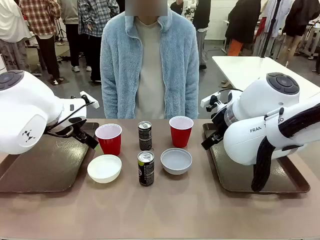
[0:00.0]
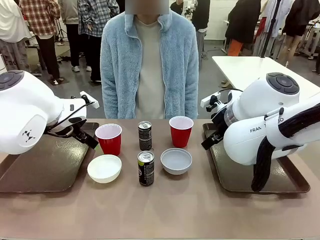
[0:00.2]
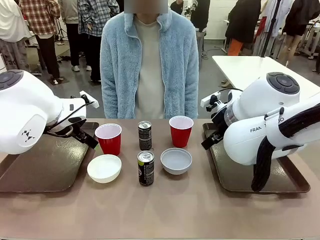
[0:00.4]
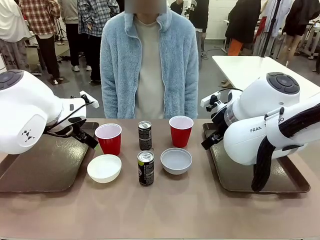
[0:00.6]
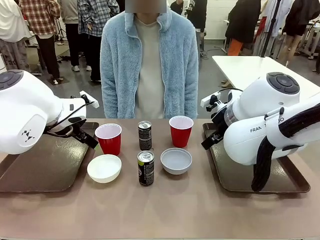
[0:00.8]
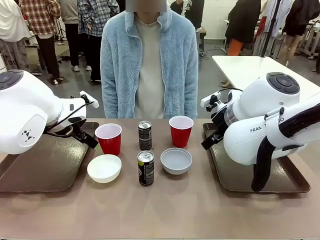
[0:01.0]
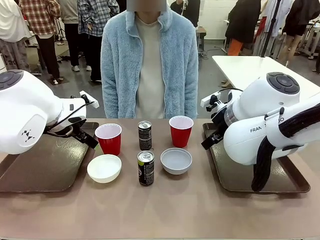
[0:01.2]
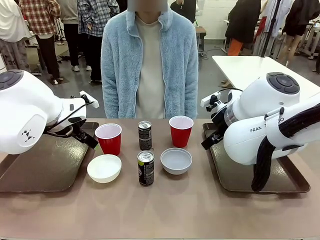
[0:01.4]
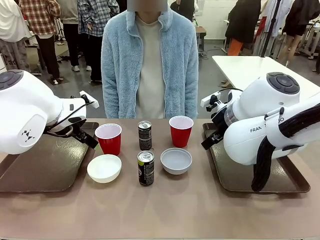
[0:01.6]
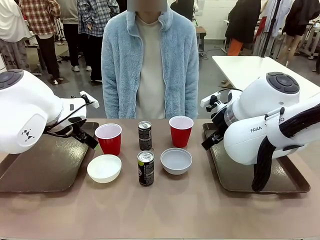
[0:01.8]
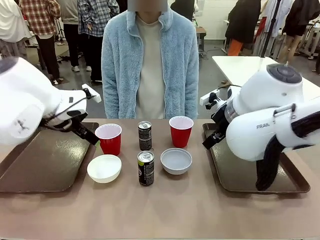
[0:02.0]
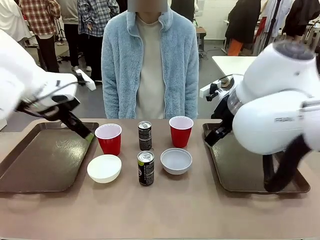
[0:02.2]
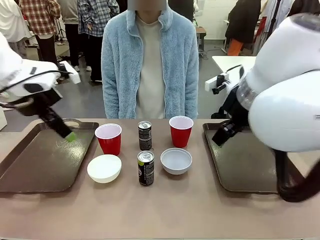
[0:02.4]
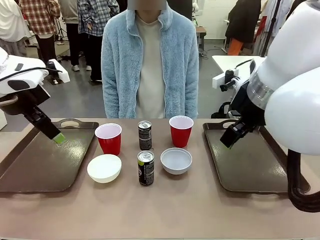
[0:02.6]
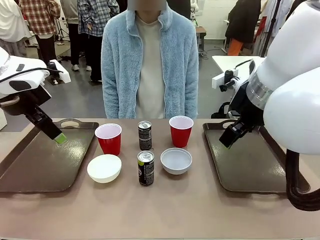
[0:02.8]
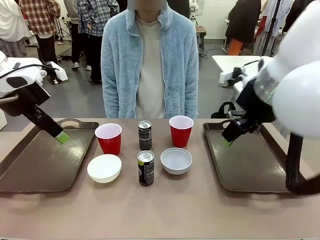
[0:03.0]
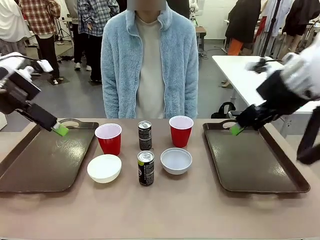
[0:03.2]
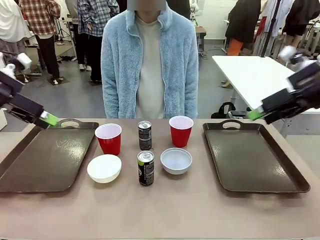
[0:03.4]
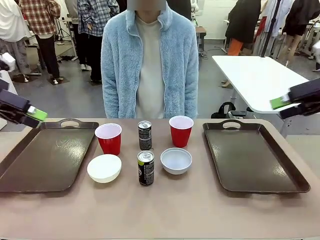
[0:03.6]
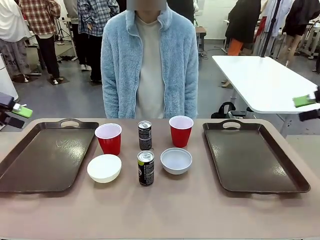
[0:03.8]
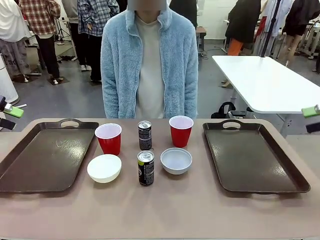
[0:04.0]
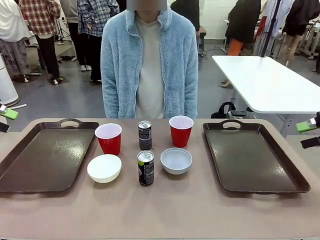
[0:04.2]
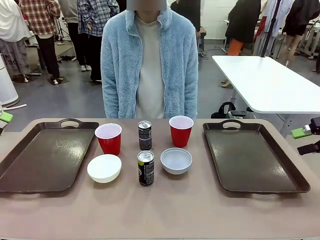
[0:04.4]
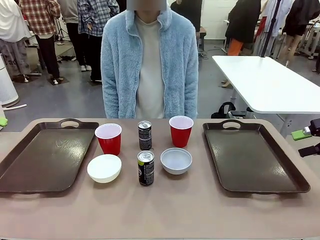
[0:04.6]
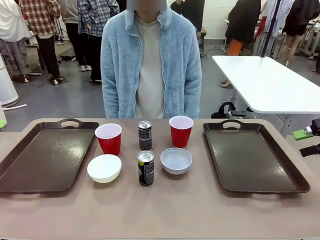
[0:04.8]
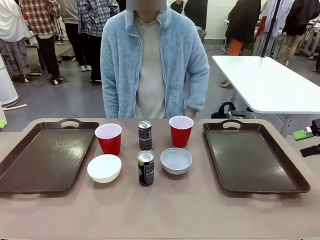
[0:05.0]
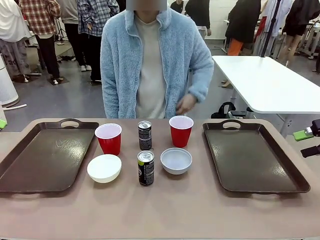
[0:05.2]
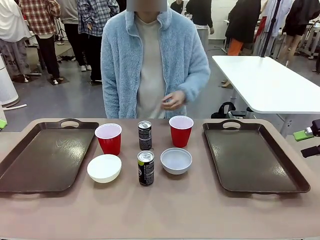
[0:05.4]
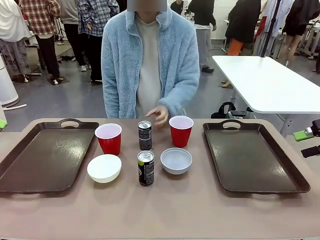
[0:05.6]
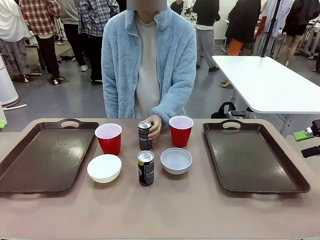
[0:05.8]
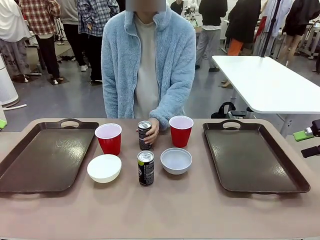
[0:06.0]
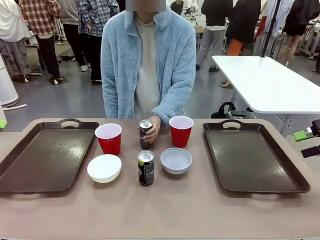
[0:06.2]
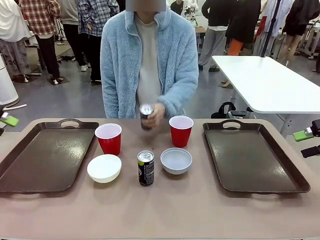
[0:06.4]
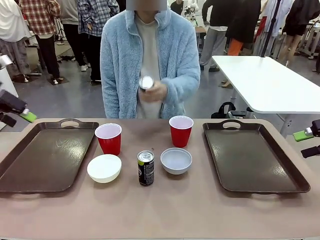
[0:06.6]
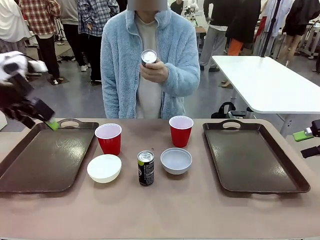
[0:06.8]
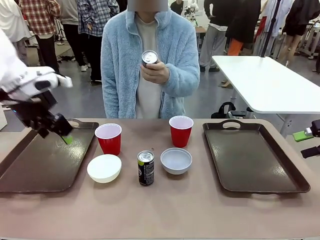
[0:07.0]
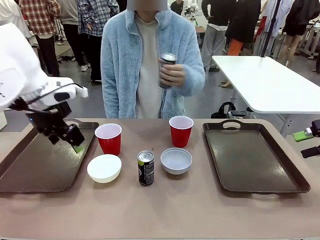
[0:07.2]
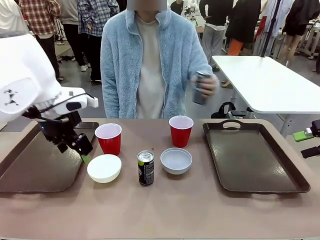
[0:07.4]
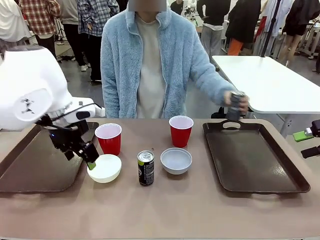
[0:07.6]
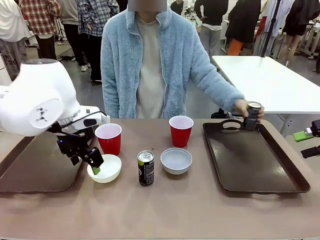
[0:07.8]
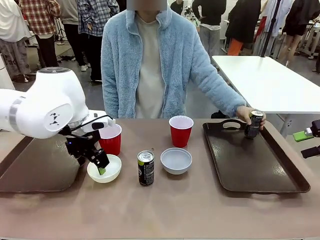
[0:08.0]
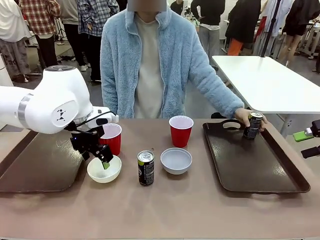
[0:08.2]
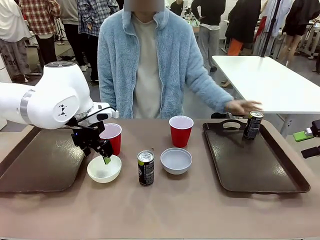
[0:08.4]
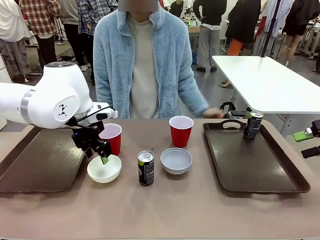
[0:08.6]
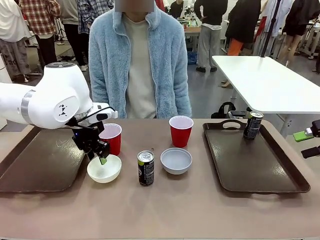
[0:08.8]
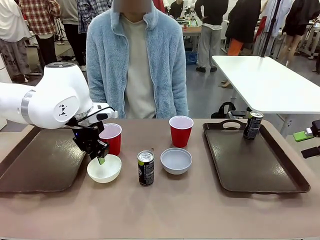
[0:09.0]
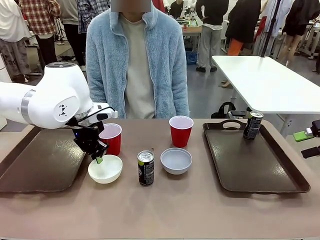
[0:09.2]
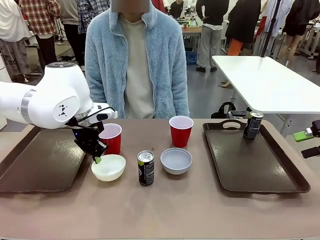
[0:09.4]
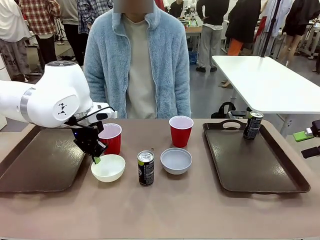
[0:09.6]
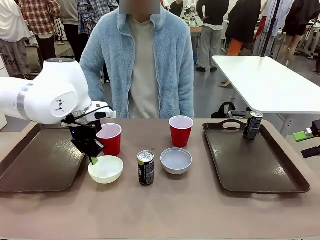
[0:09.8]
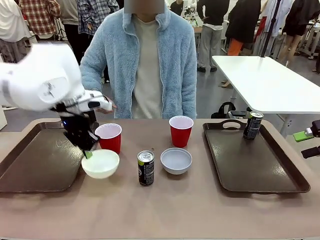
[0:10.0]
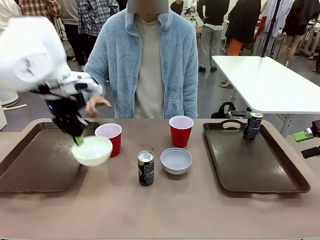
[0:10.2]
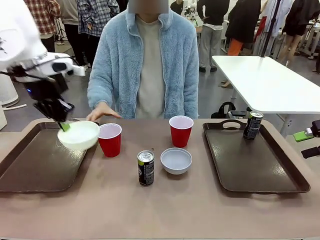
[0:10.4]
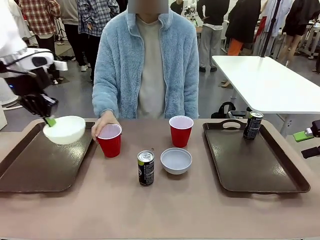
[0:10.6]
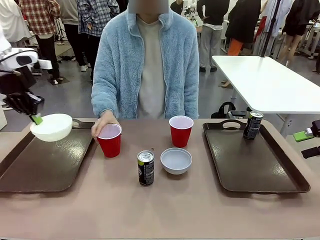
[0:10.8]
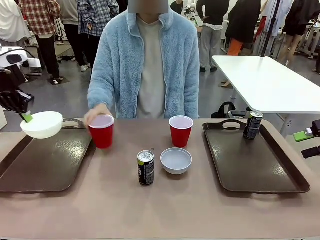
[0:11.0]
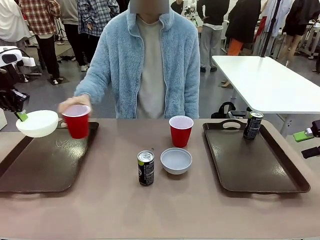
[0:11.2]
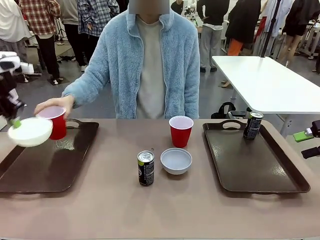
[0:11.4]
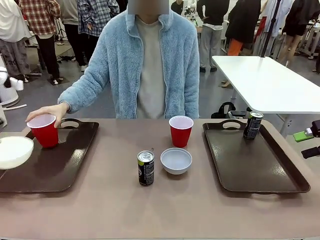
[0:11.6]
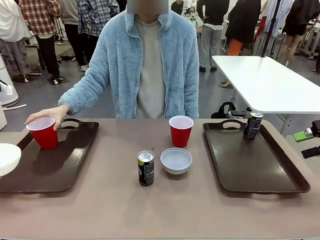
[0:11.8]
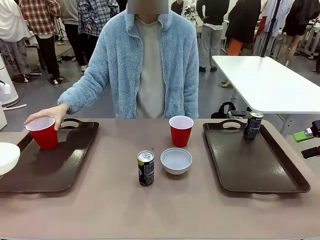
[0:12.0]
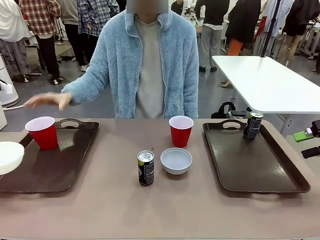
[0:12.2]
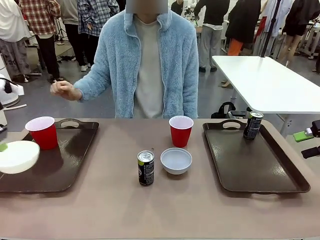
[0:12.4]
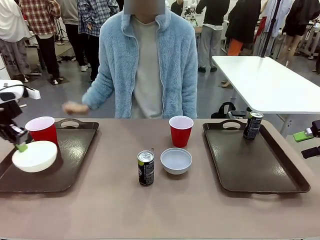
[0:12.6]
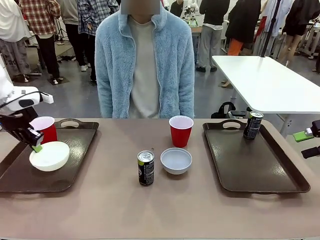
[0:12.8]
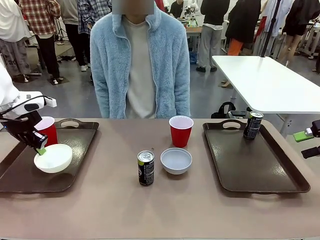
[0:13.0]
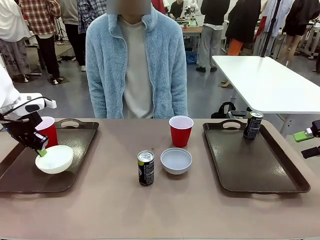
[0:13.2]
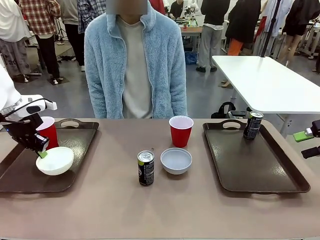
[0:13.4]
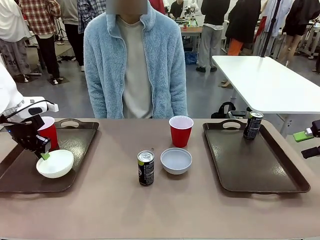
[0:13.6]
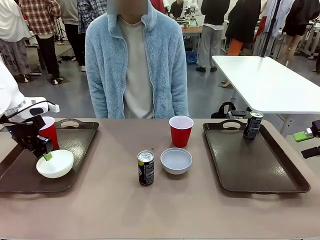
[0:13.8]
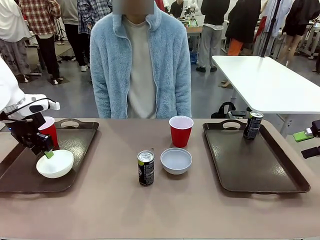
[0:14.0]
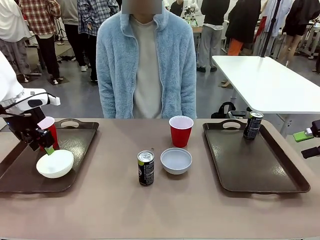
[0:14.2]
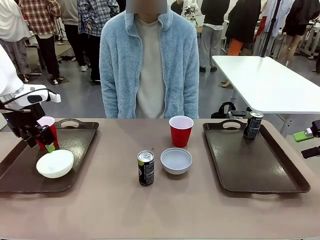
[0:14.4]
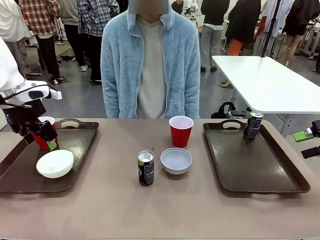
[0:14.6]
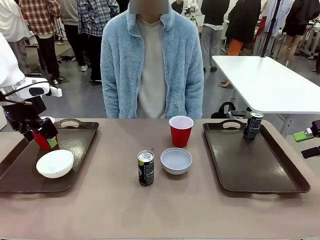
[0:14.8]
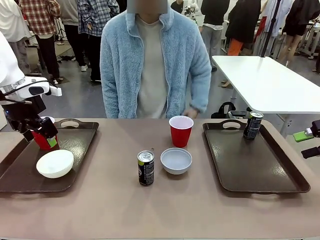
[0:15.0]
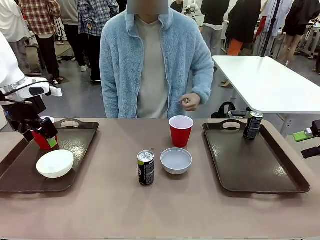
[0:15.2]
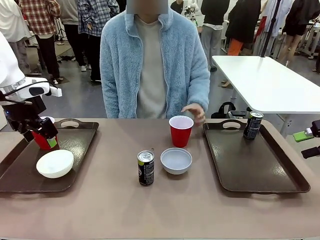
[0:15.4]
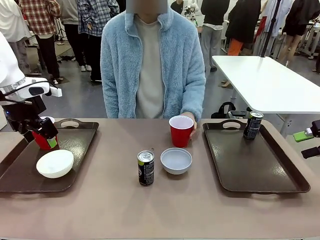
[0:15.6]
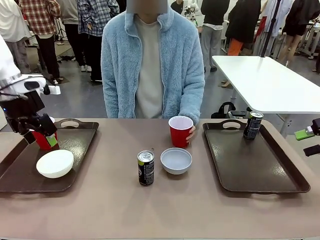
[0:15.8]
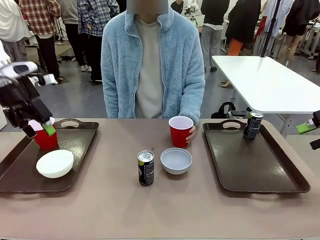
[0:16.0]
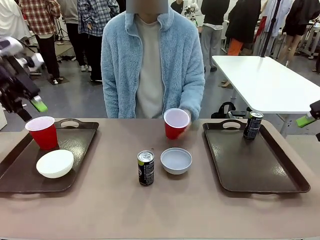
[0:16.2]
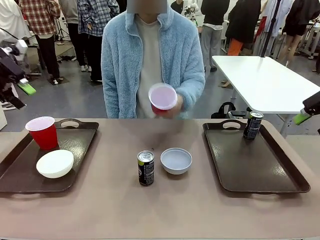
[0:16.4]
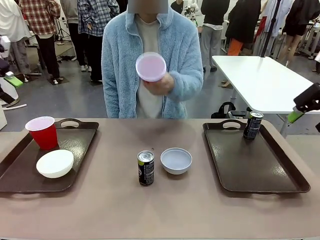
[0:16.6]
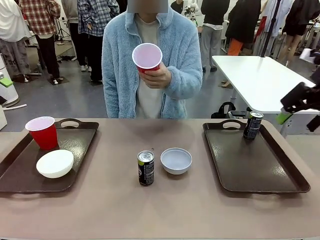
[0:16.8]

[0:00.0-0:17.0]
Task: Prepare tableware on both trays.
Robot: Pick up a Picnic Bowl from the table and place it on a Handle tray.
Person: Pick up a can or cup and place it on the tray.
